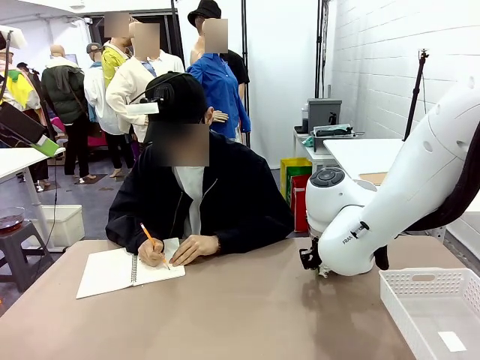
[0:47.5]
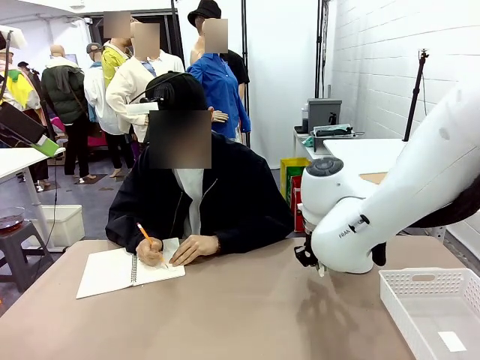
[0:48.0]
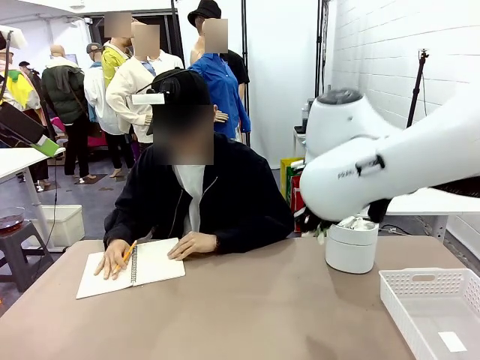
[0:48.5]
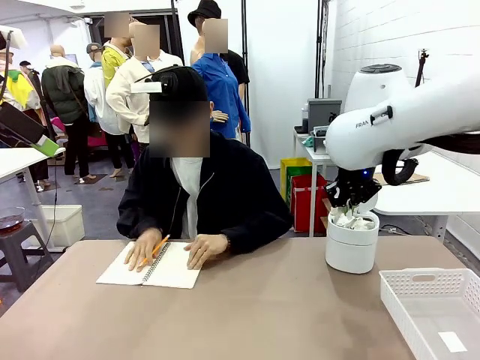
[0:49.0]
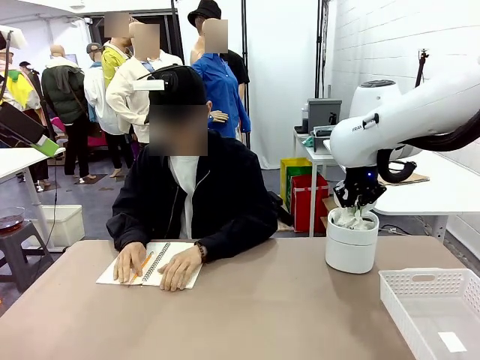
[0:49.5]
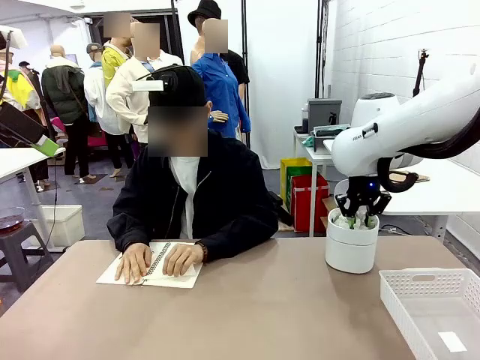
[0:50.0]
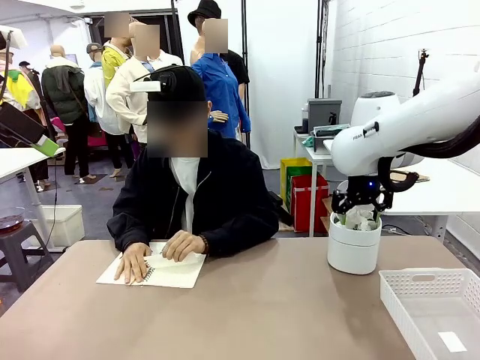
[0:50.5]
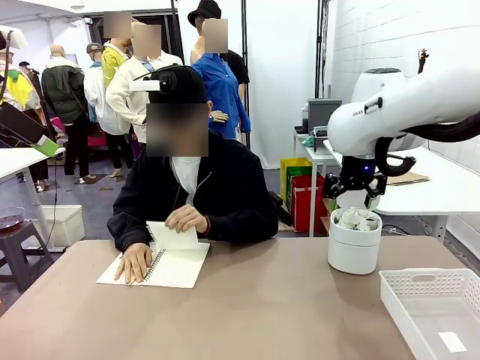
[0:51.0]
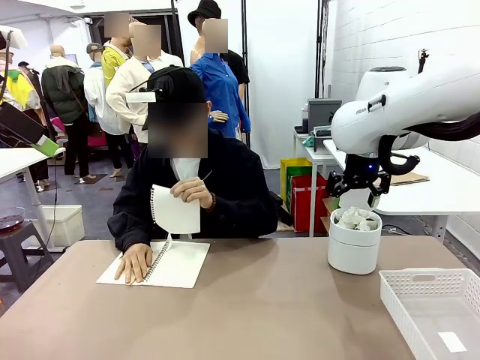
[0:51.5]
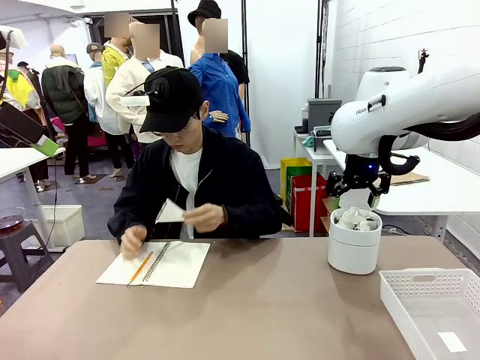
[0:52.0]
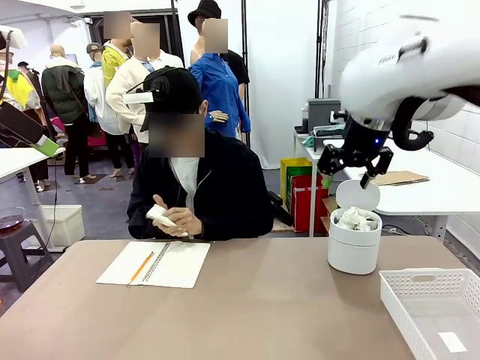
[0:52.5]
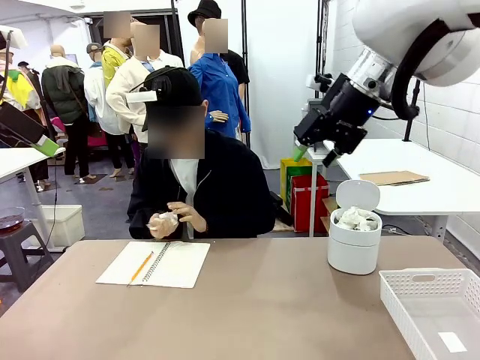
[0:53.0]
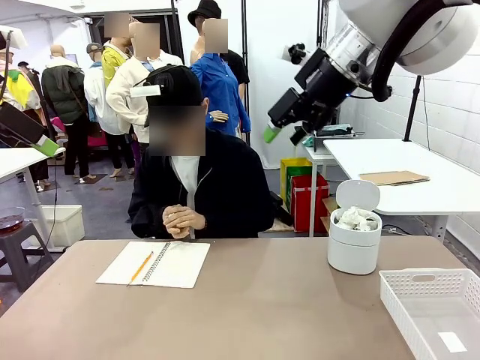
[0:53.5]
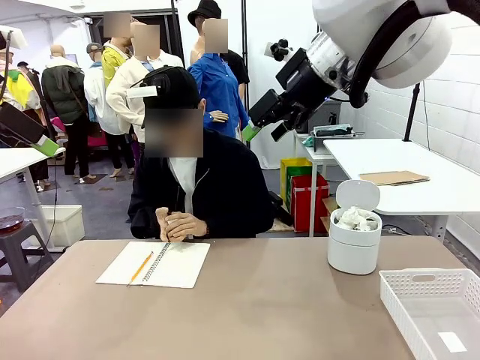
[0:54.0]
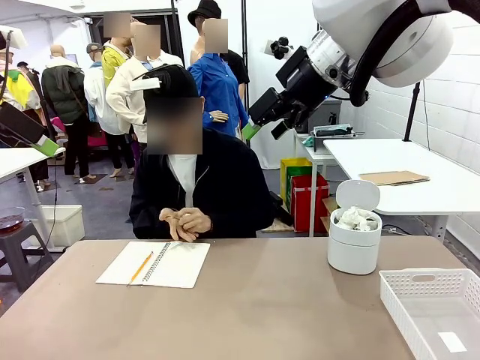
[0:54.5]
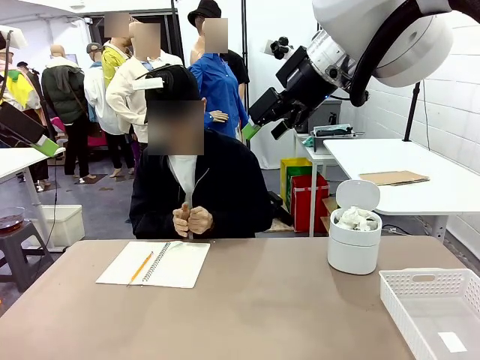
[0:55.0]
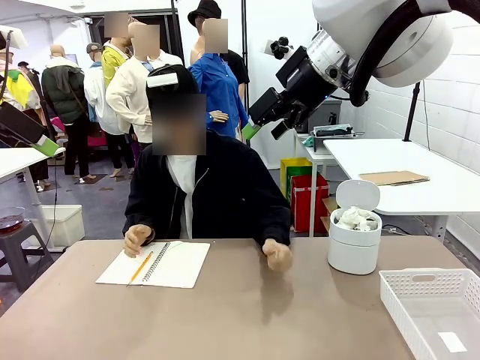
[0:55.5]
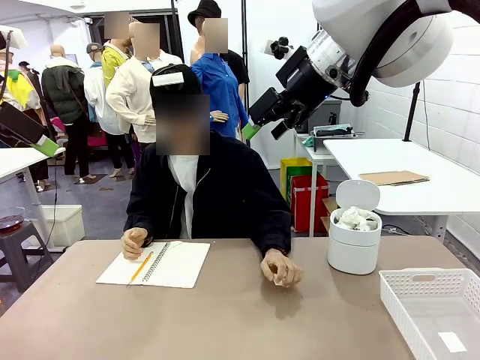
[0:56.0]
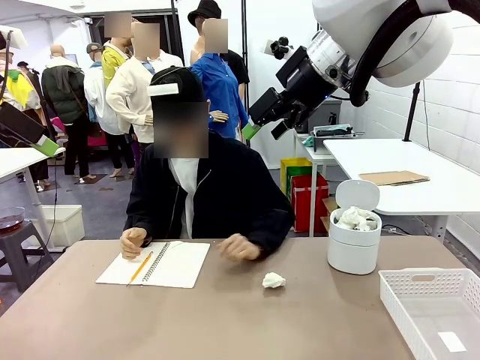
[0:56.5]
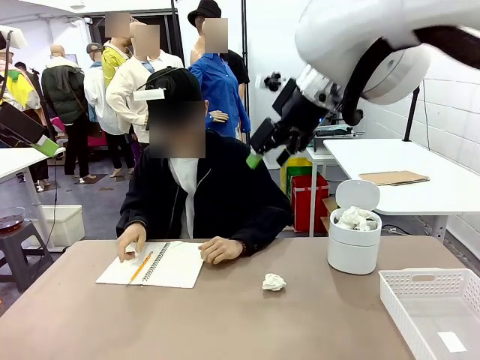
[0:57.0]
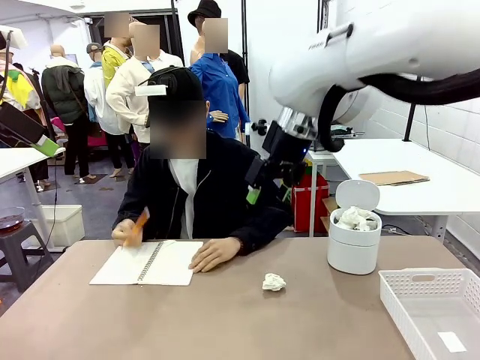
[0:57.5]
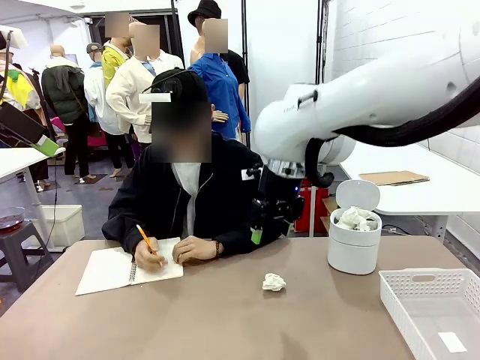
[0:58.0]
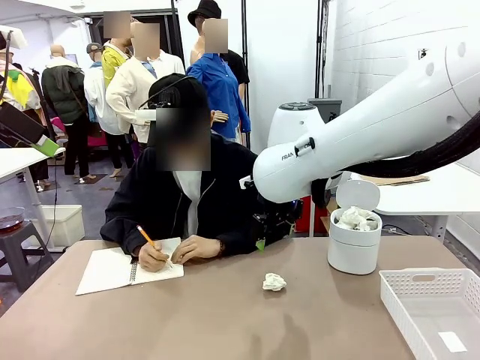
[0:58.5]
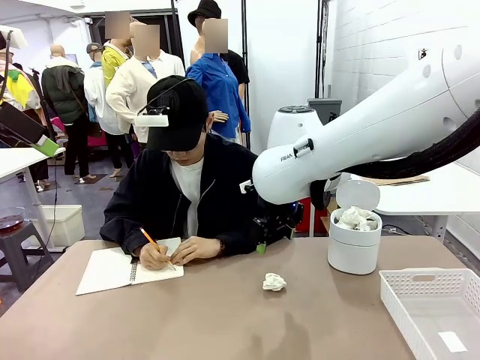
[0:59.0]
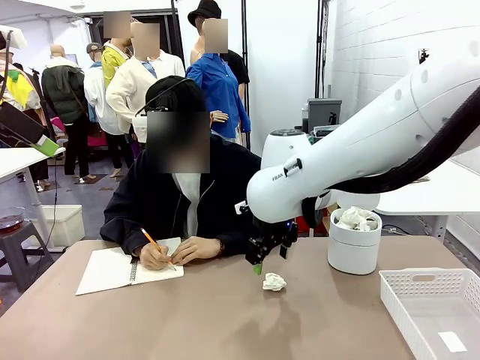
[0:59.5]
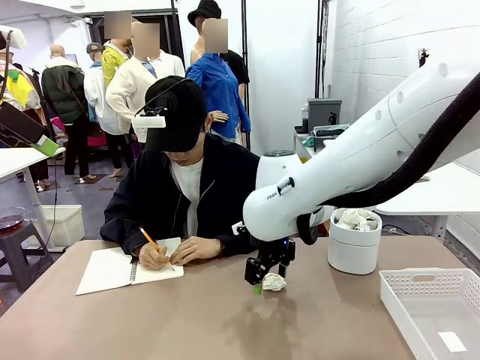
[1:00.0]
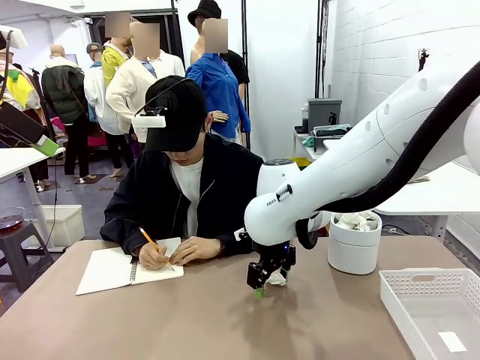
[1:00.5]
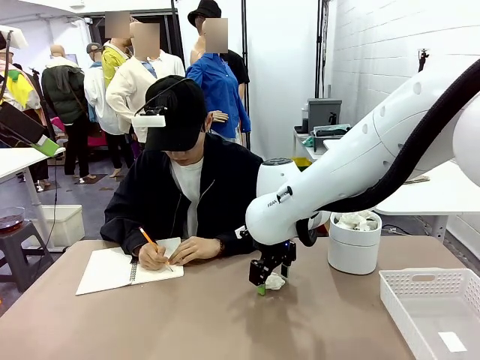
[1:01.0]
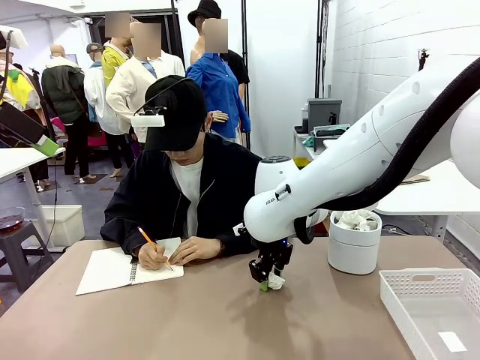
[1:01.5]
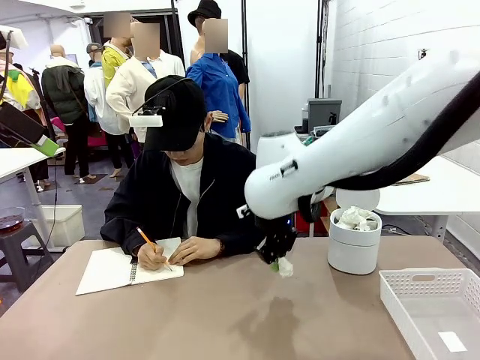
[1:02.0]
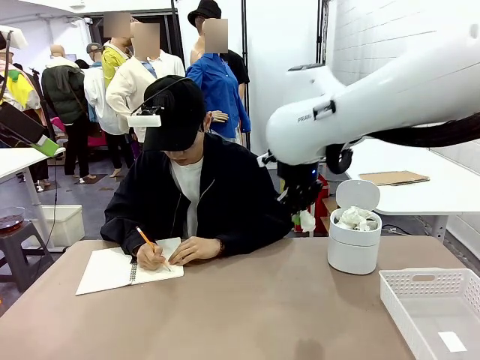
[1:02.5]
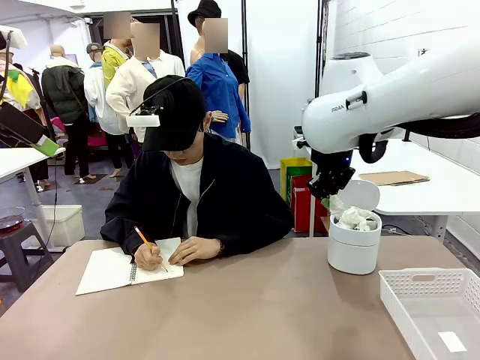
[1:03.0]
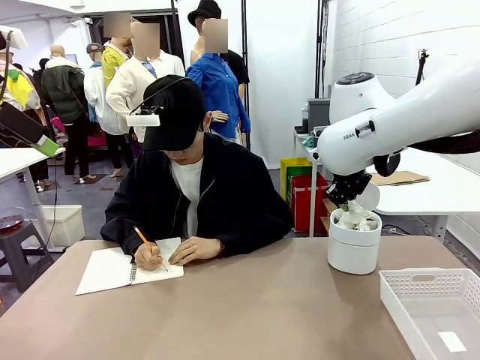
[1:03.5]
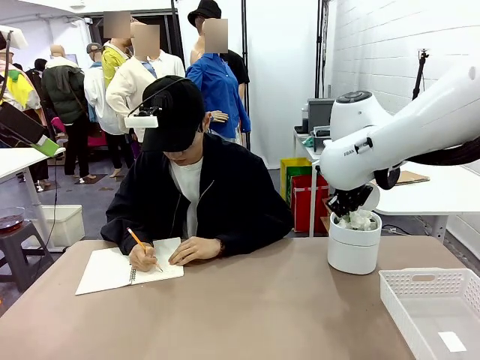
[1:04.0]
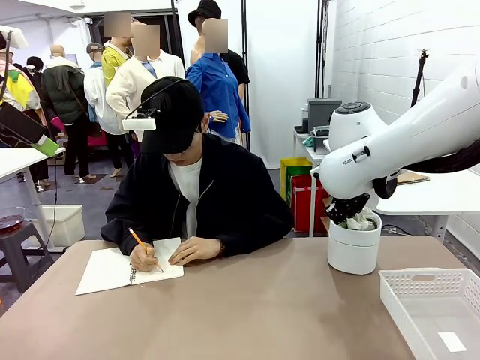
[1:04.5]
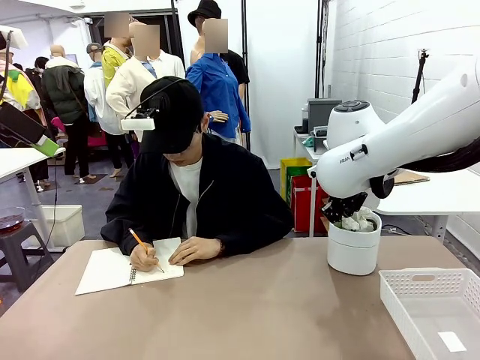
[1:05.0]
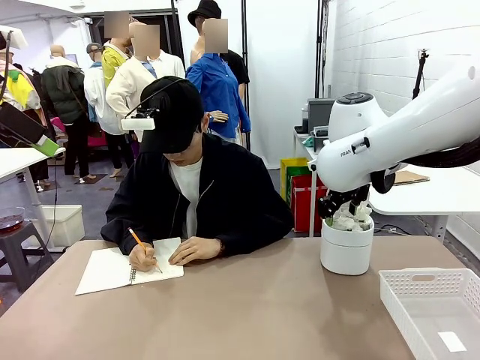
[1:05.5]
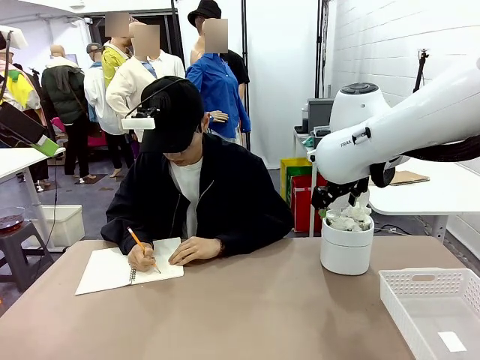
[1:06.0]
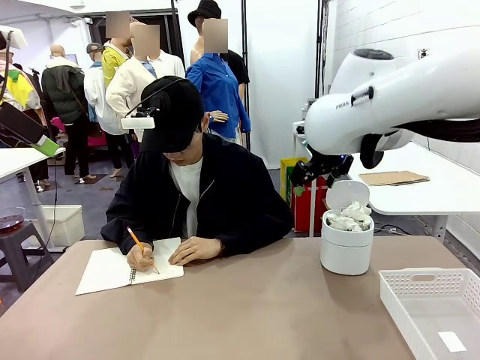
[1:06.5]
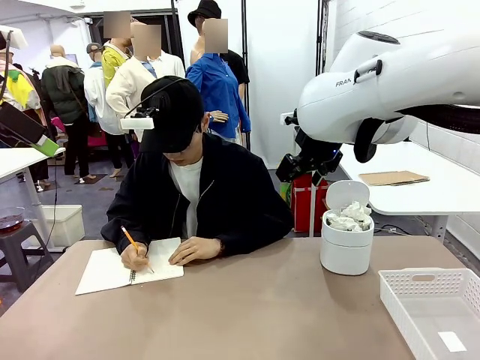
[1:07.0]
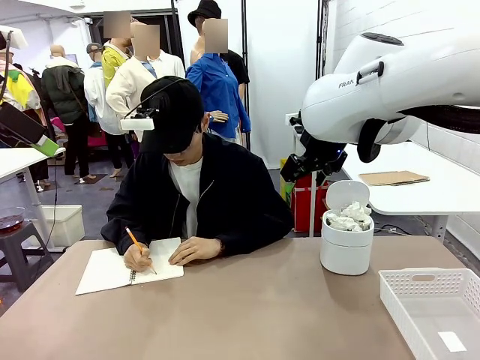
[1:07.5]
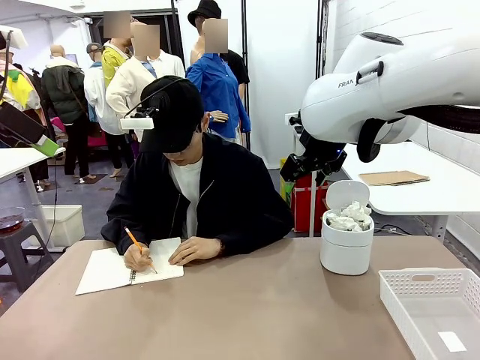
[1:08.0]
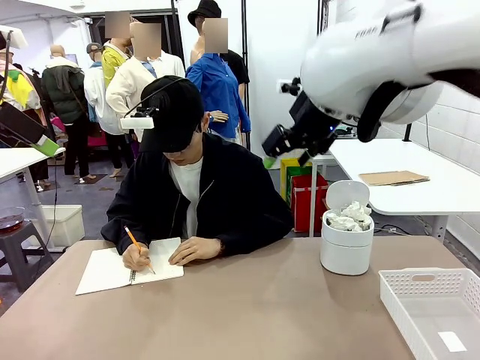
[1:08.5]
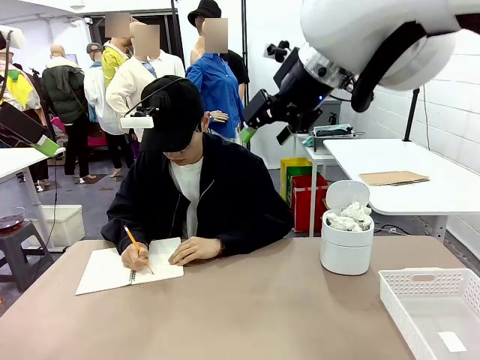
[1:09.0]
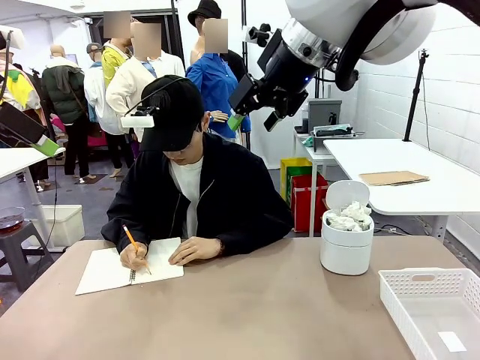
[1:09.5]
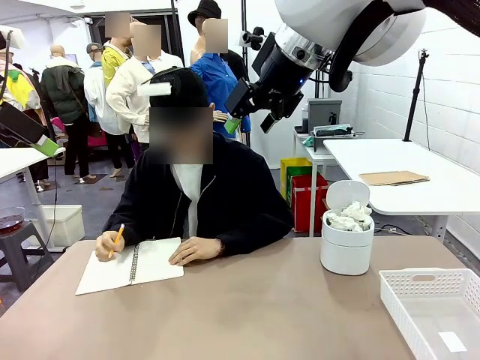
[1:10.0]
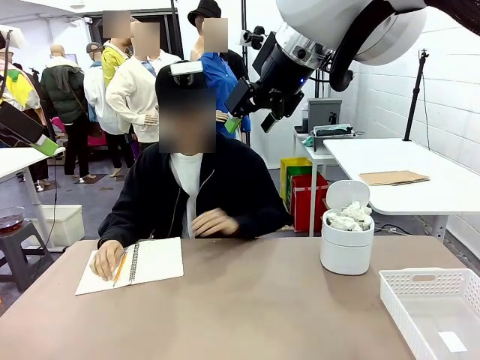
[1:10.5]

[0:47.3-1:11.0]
Task: Sort the paper based on its condition.
Robot: If a person hands you a paper, place it in the Organizing basket , and if it's crumpled, put it in the Trash can.
Person: Hand the torn page to the robot or crumple it and throw it to the center of the table.

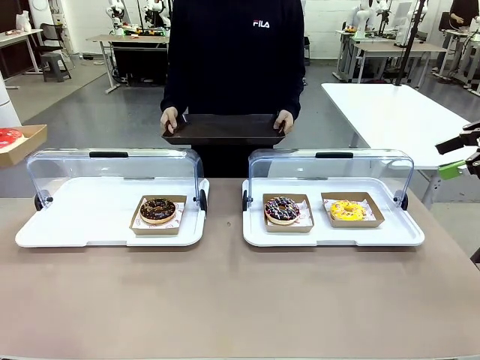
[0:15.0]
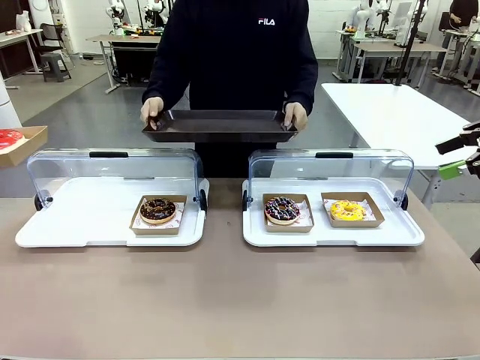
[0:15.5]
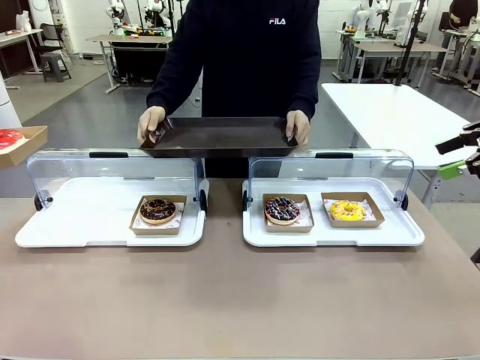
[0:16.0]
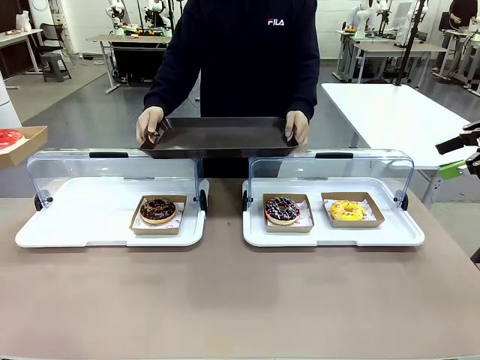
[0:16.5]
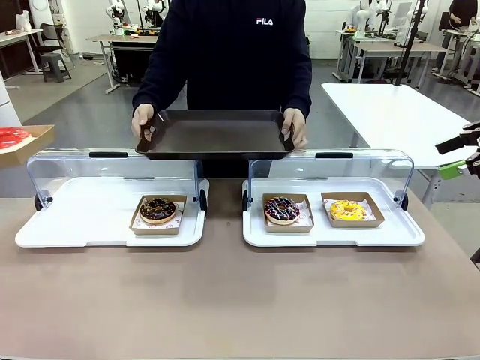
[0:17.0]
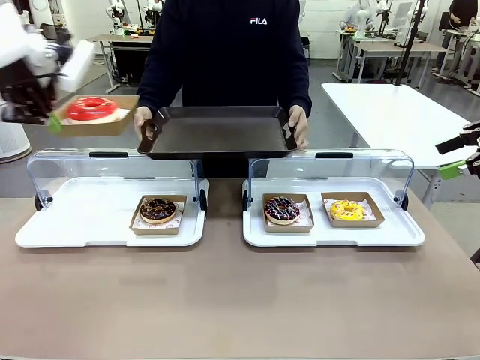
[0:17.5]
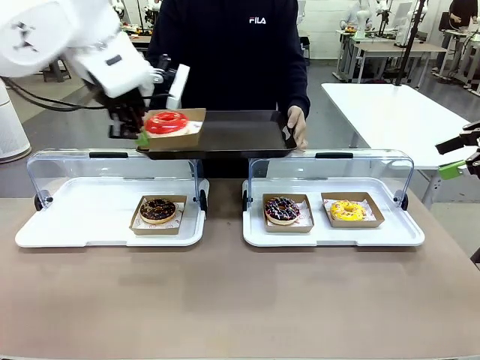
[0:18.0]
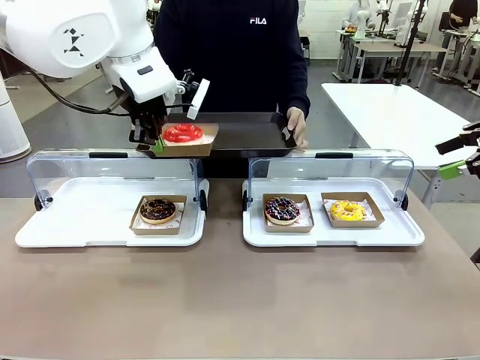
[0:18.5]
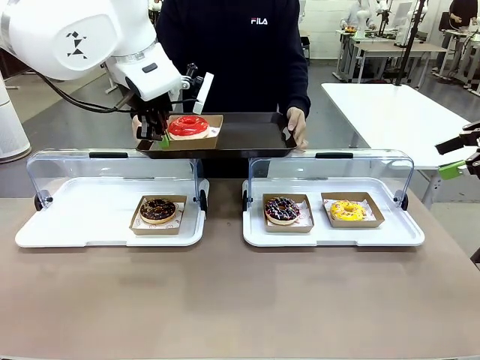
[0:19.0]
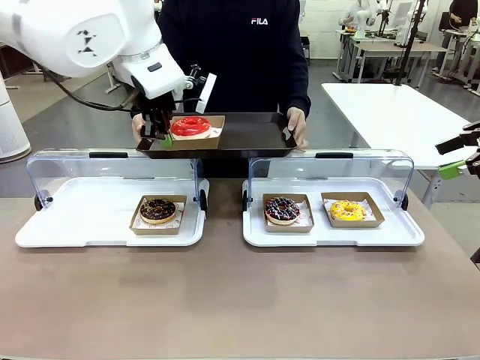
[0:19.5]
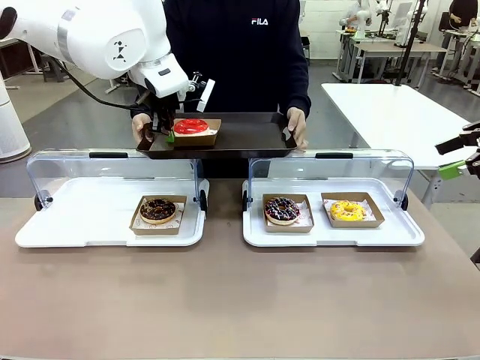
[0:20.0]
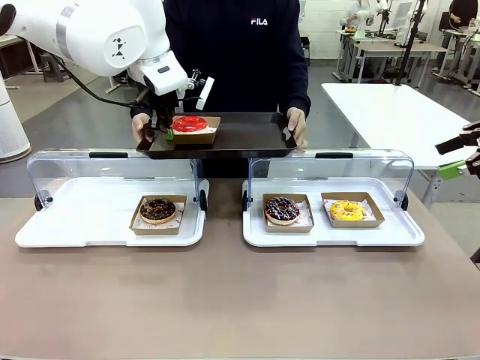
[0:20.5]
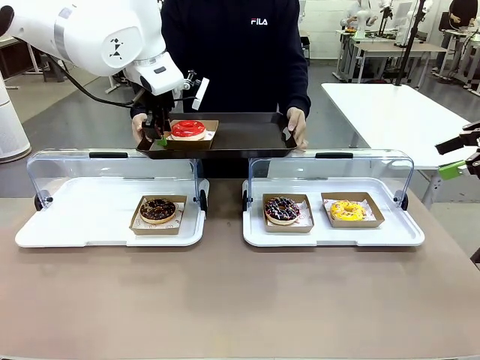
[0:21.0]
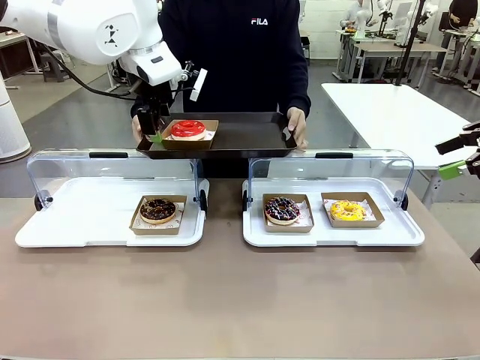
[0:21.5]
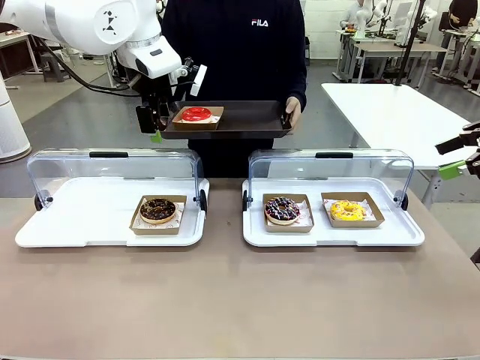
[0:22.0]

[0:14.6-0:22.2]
Task: Provide the desired donut to the person.
Robot: Place the picked Paper togo box onto the Handle tray extended by the person.
